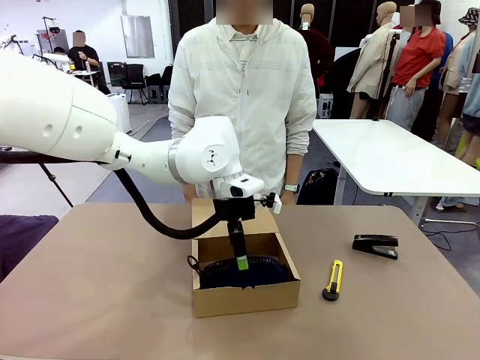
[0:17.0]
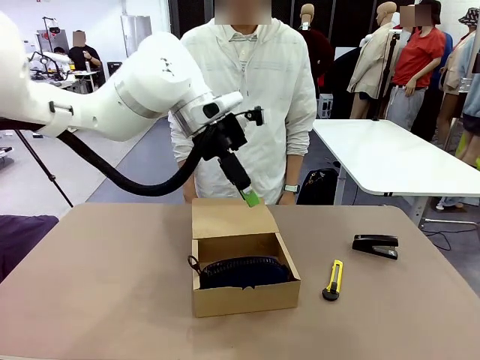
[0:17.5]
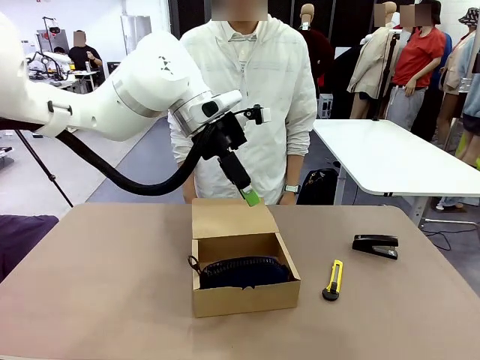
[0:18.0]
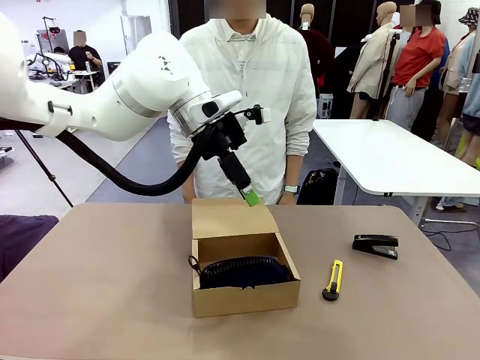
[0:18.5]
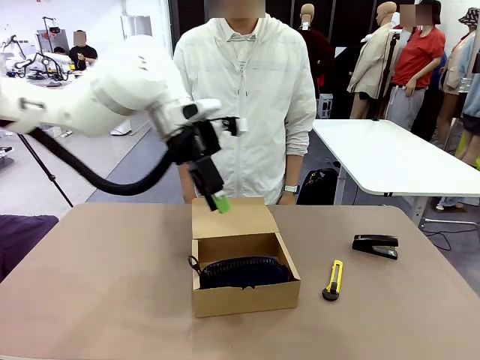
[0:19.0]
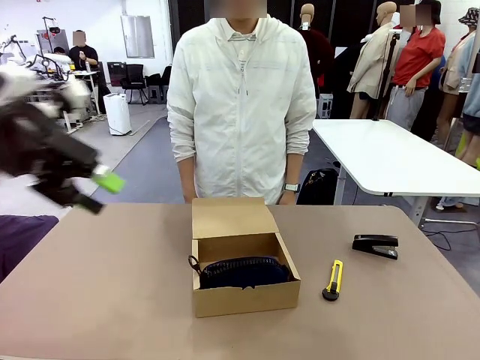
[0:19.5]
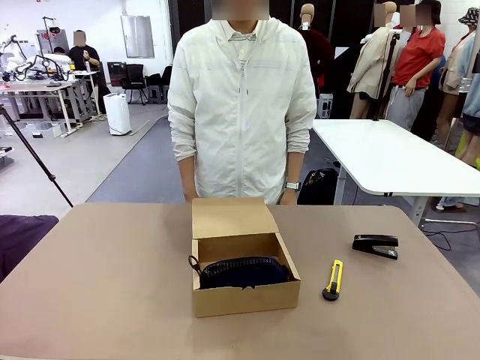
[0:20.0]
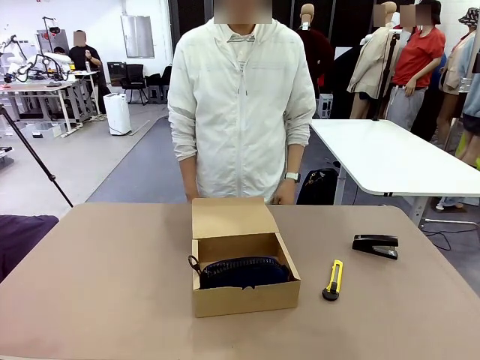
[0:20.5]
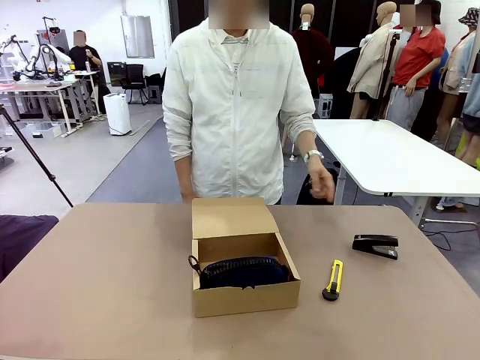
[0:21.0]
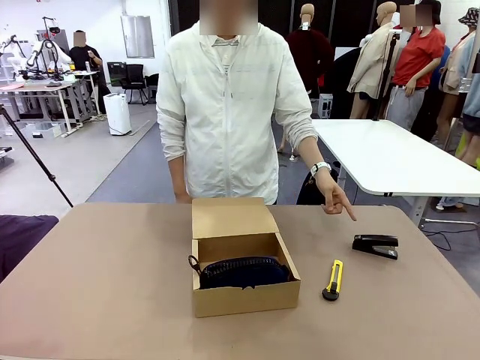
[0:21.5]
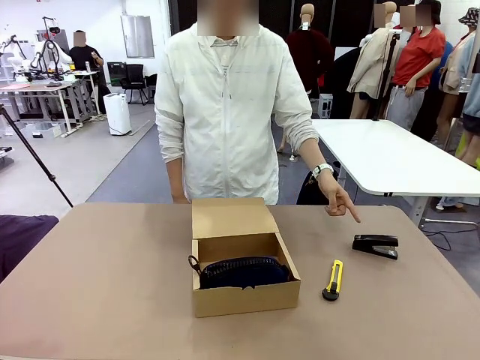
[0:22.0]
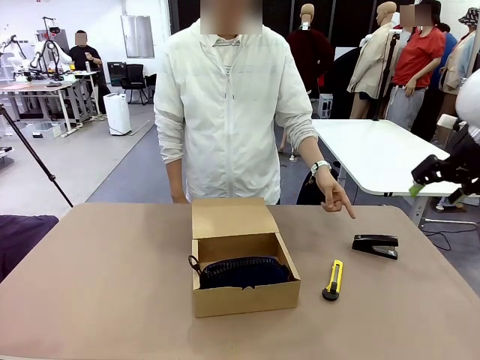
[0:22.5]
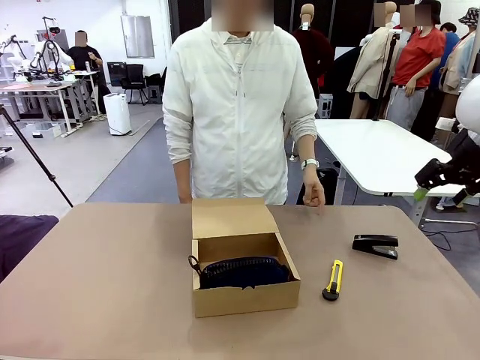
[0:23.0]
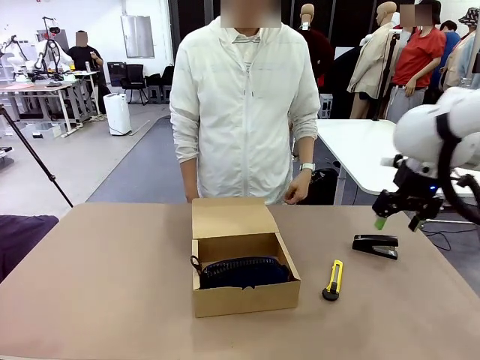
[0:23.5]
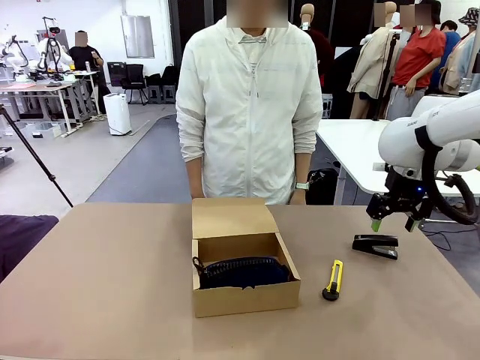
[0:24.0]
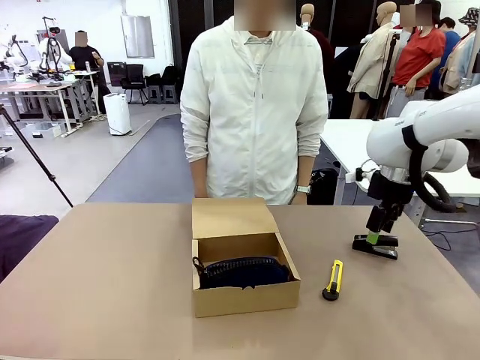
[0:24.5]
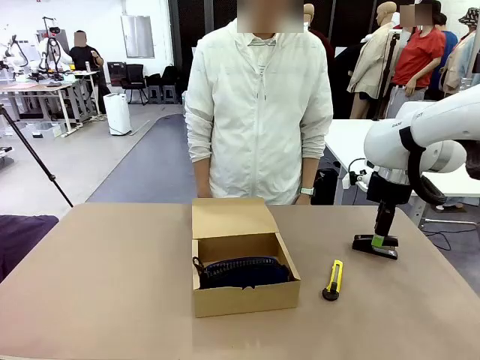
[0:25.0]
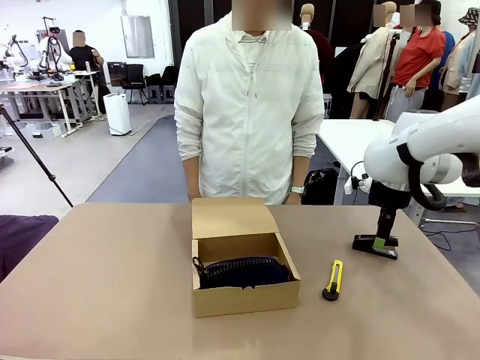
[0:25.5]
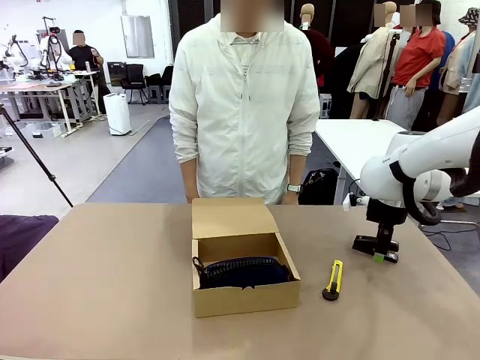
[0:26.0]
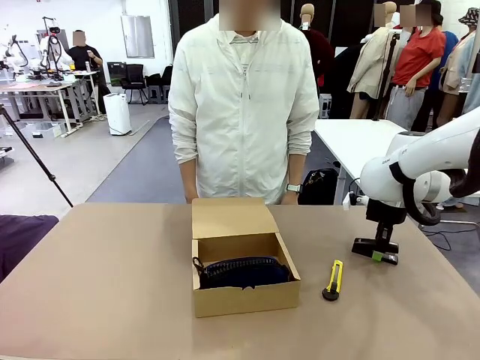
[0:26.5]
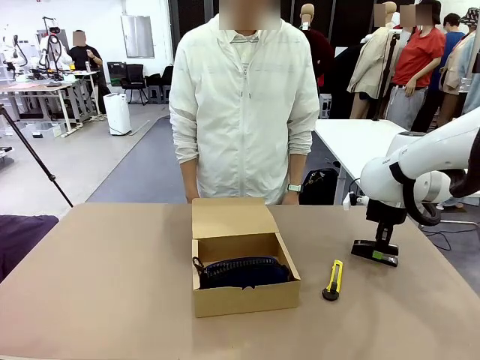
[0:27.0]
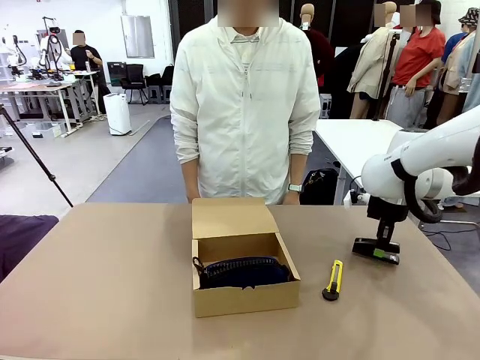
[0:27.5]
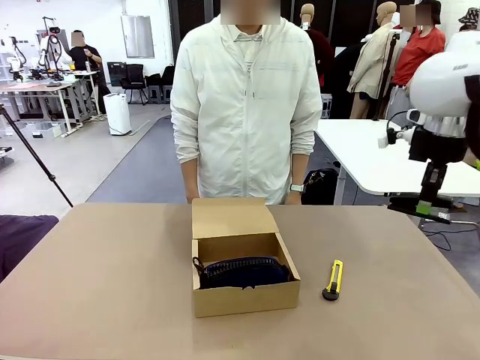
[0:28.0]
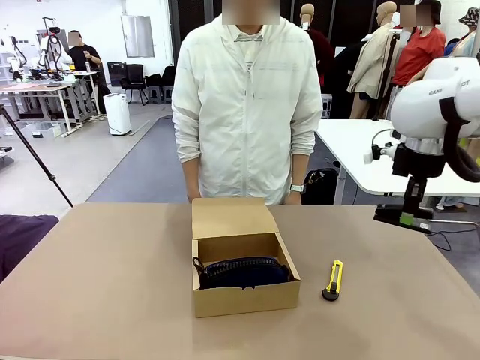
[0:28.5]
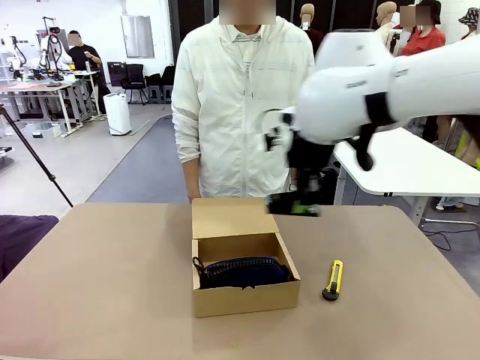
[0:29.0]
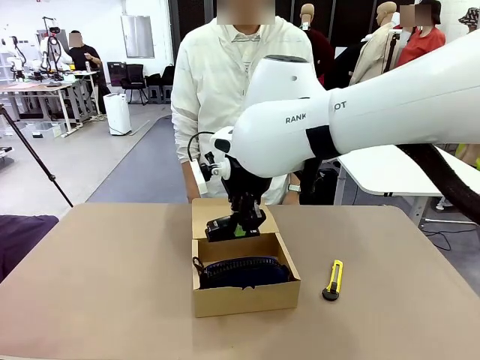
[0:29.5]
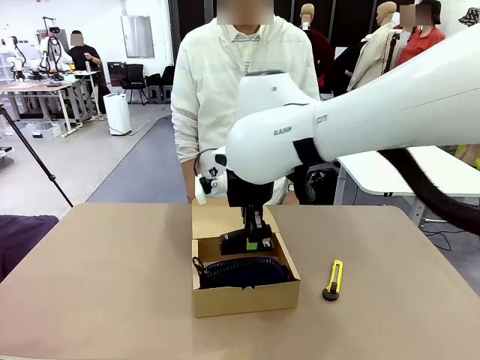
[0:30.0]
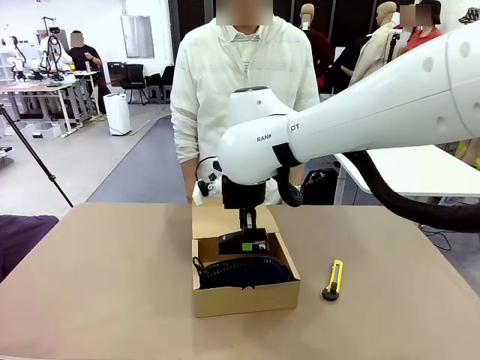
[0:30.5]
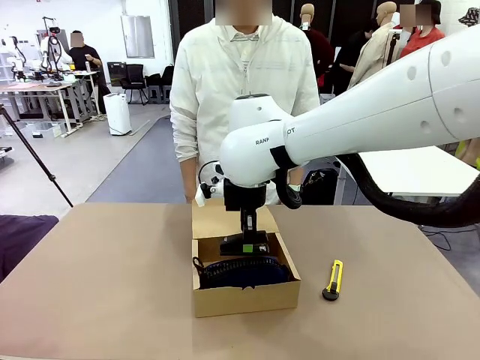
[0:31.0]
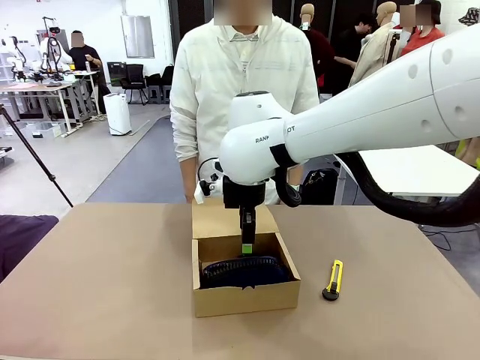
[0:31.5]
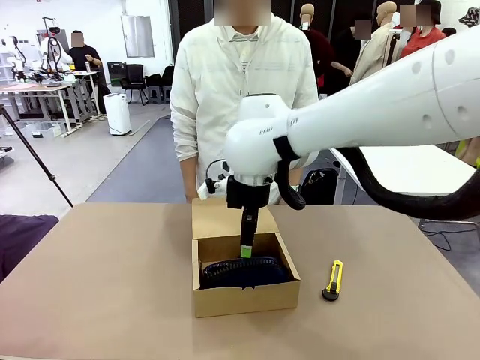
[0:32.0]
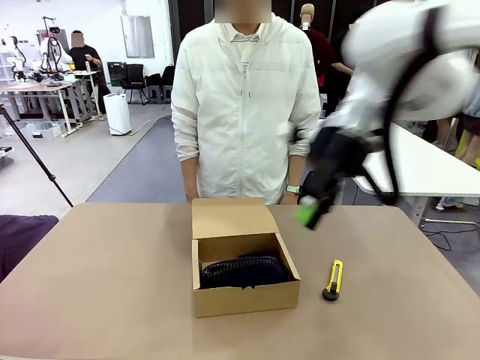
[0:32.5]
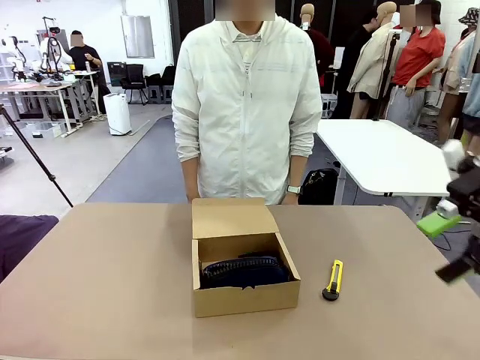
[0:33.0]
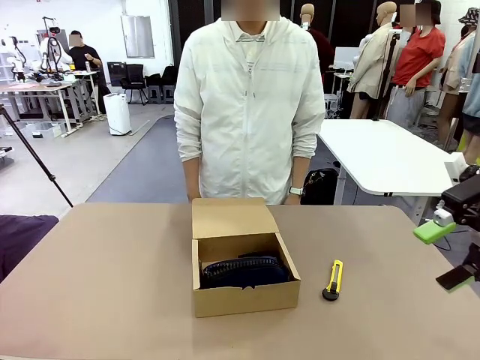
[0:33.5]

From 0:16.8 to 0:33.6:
Task: Pack the items into the box.
Robot: Pick up the item specified by the human and place it in the Mailer Box.
Person: Lower both hands vertically with palms facing downward, as if pressing something closed.
